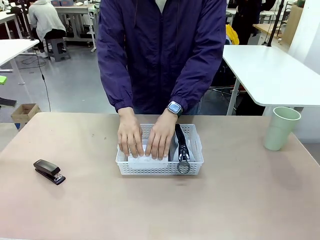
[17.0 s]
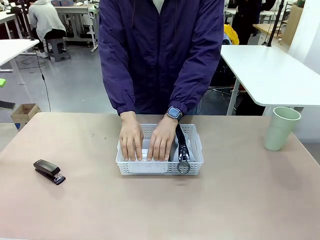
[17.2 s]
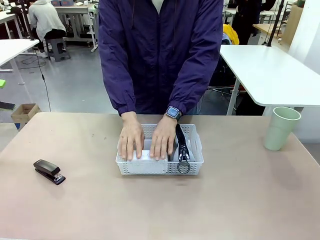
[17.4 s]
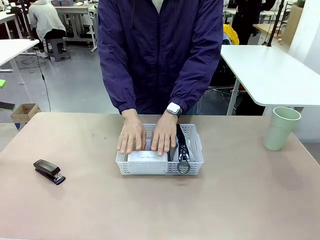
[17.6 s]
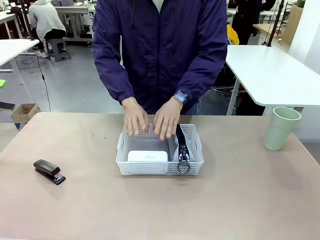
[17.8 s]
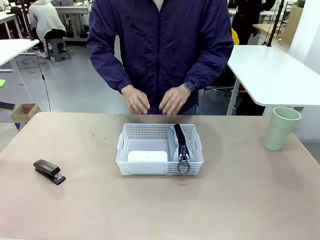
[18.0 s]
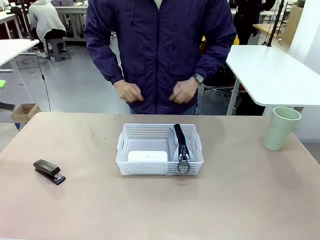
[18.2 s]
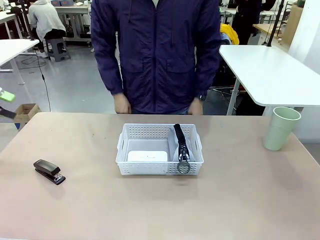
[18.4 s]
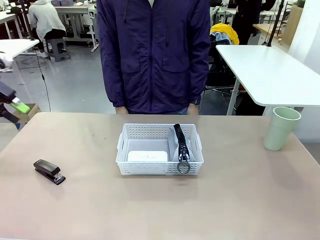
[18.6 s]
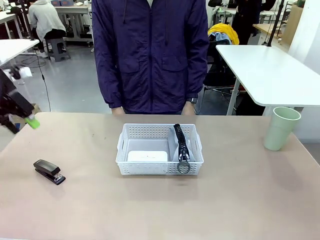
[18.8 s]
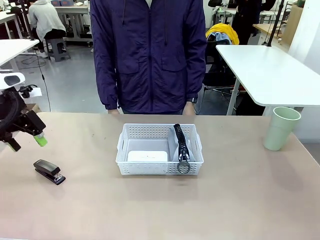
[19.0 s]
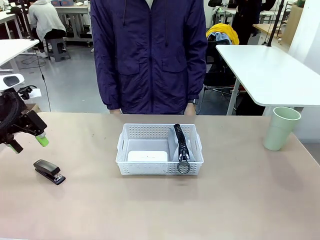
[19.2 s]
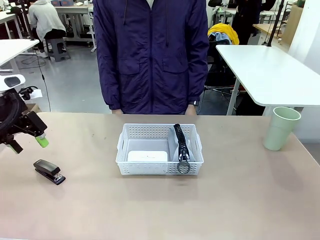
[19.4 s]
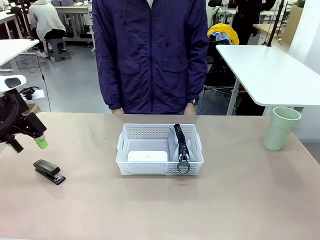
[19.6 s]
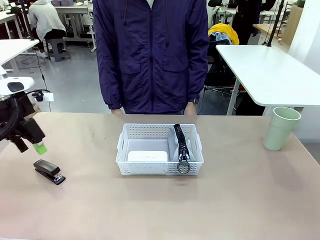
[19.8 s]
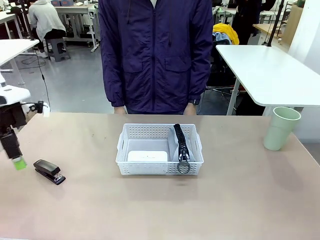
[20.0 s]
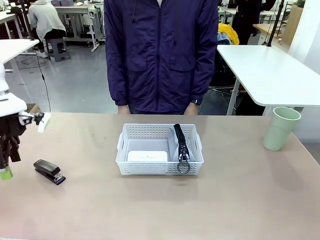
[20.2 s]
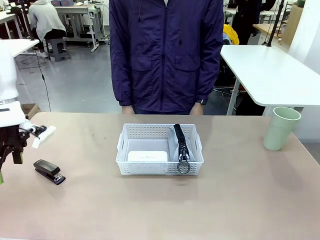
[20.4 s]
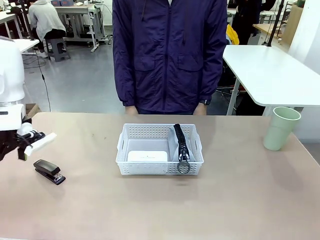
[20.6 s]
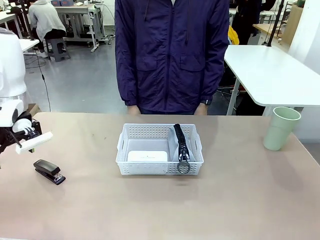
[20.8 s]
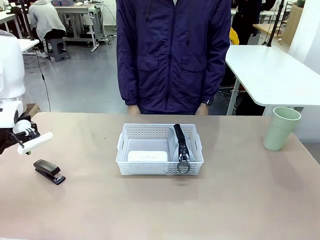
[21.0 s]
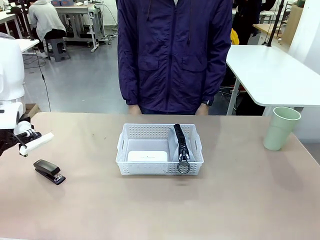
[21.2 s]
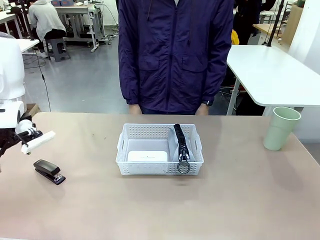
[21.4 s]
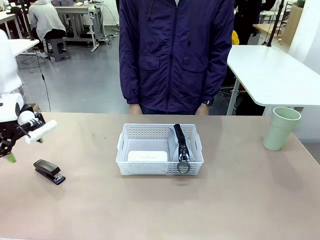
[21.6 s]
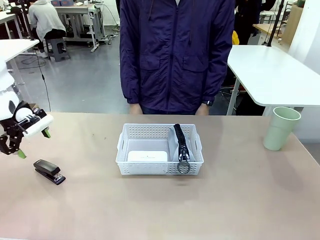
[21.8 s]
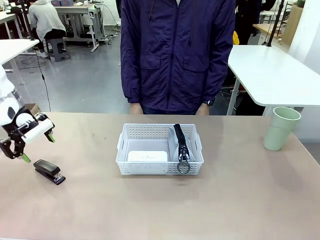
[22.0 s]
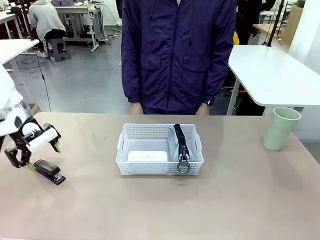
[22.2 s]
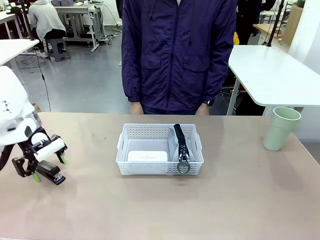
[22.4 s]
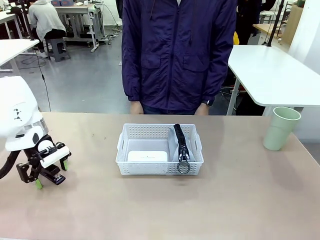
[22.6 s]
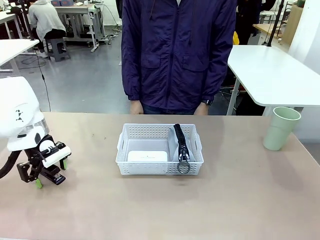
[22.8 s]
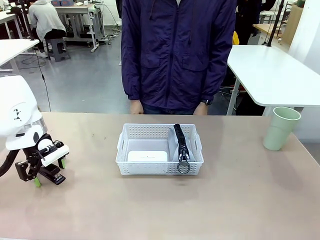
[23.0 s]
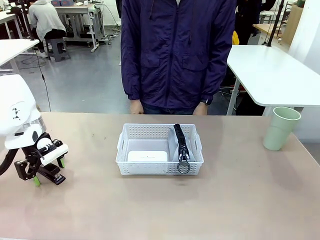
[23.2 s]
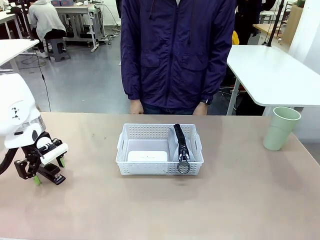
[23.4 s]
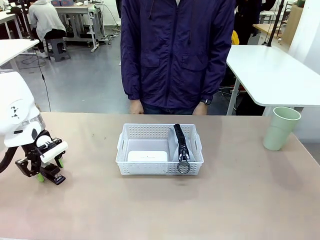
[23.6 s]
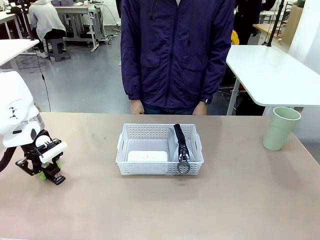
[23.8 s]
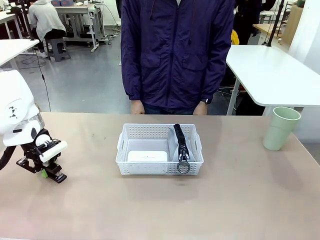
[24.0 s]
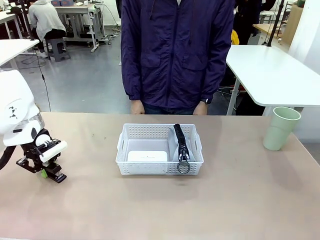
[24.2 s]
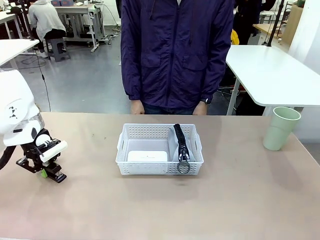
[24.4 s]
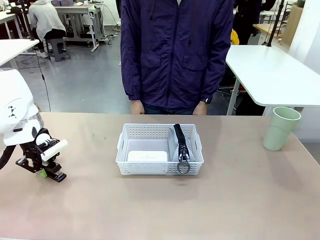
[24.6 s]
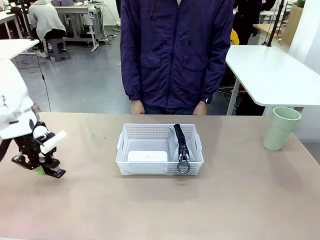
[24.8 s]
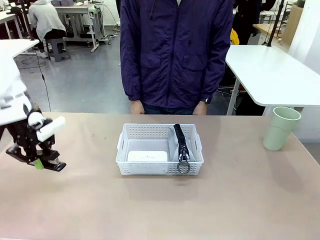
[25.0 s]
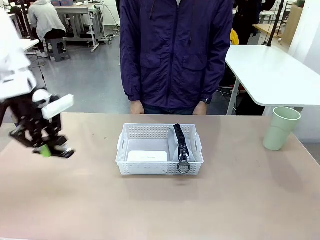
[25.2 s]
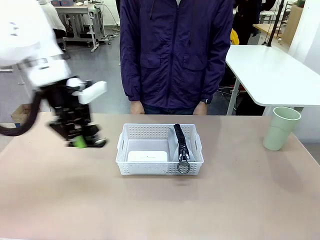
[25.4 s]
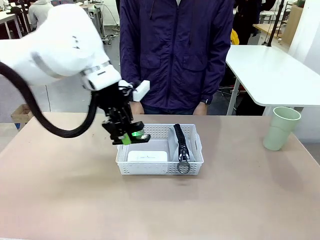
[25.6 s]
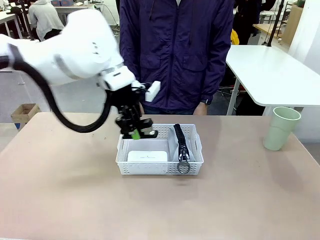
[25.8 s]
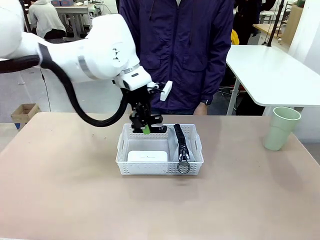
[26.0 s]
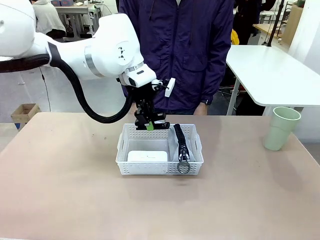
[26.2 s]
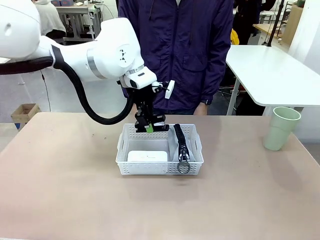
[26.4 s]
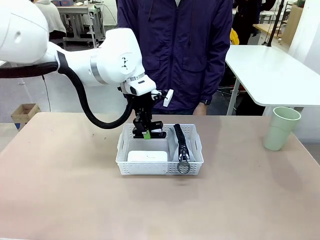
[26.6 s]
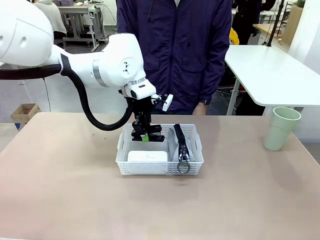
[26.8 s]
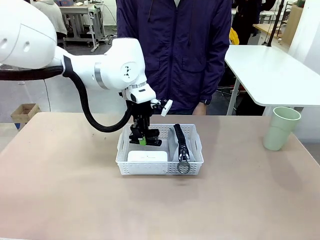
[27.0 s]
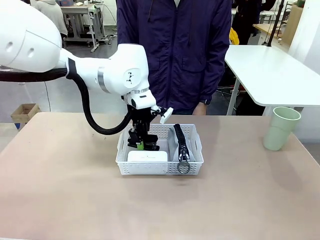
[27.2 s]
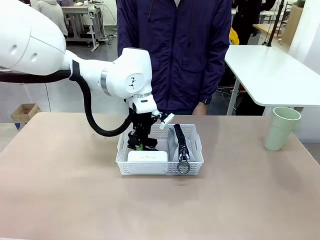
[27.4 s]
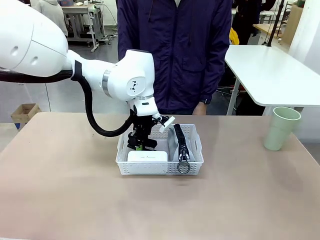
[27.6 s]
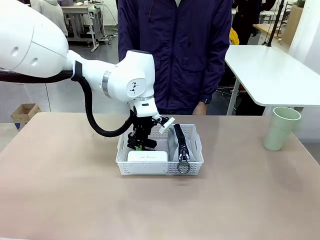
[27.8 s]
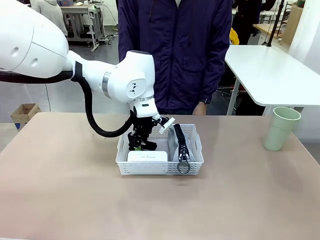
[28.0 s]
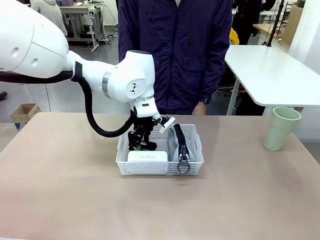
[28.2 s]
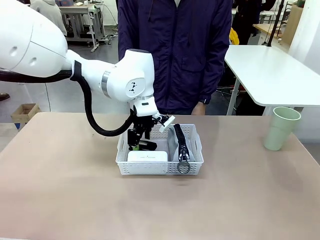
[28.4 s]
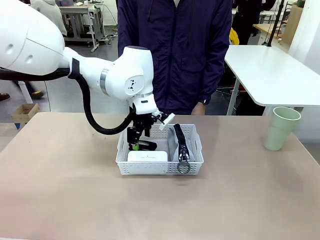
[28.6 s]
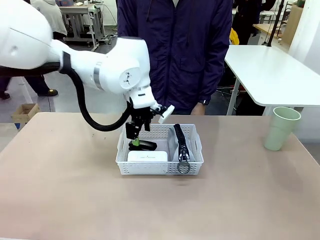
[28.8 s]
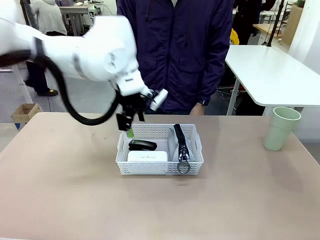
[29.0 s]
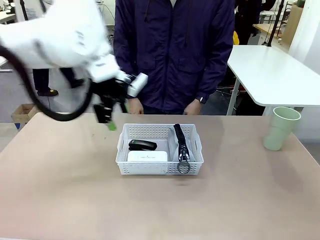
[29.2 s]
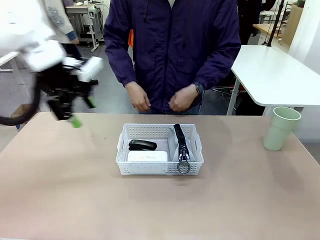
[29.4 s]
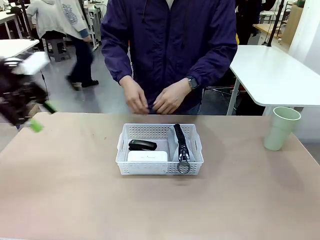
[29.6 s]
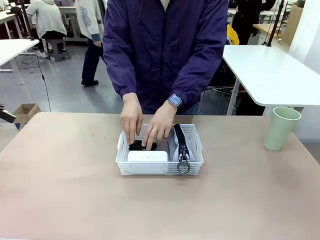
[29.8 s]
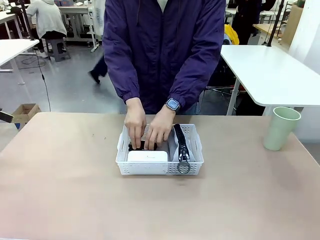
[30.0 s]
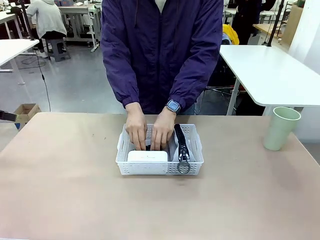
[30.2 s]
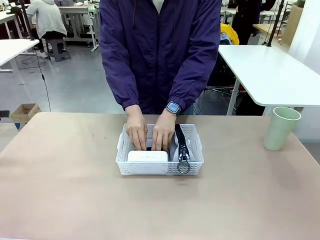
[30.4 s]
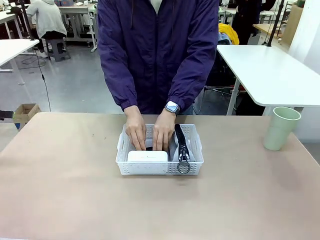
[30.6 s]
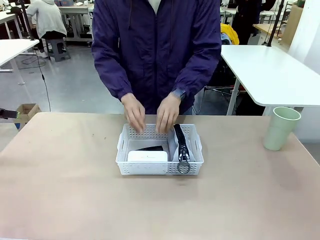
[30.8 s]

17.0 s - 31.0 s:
Task: Efficiently arrange items inside the basket to fit them all.
Robot: Pick up the Stapler and place it inside the Organizing basket.

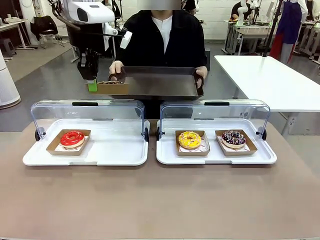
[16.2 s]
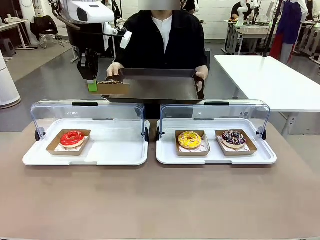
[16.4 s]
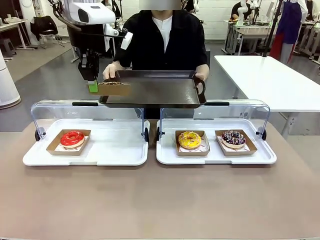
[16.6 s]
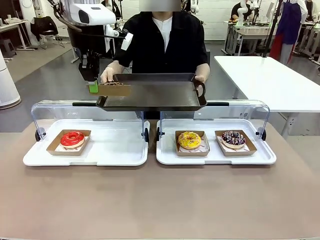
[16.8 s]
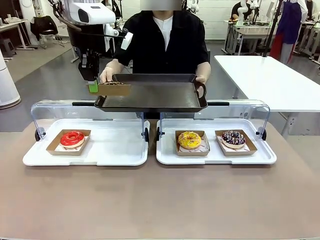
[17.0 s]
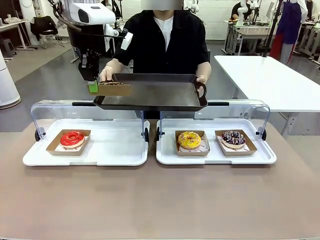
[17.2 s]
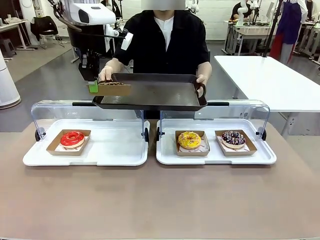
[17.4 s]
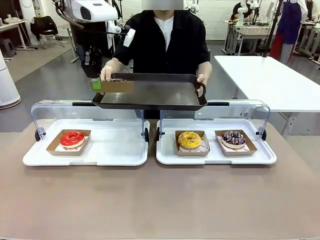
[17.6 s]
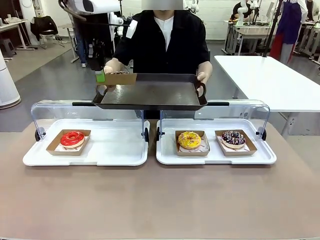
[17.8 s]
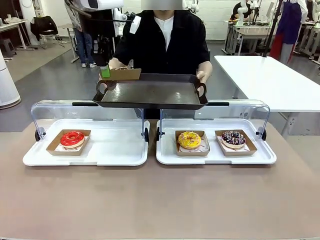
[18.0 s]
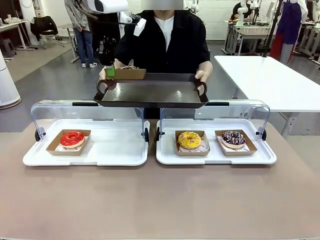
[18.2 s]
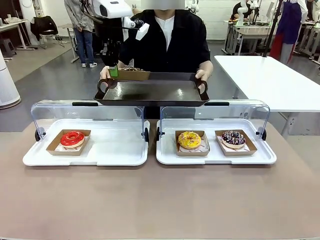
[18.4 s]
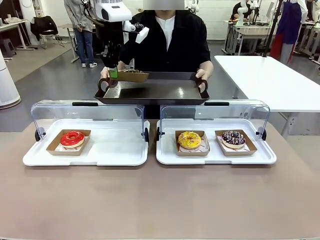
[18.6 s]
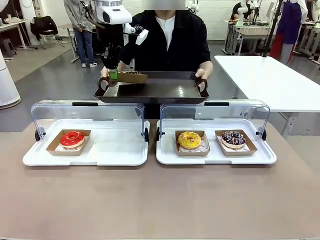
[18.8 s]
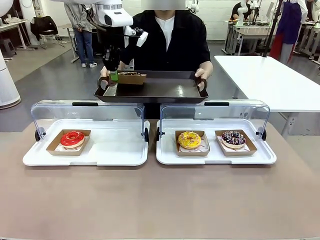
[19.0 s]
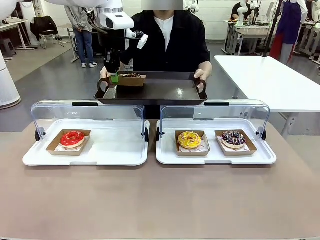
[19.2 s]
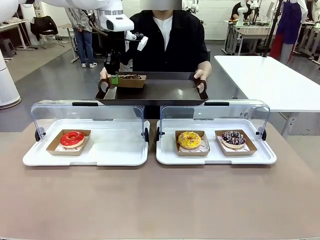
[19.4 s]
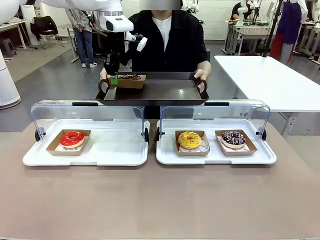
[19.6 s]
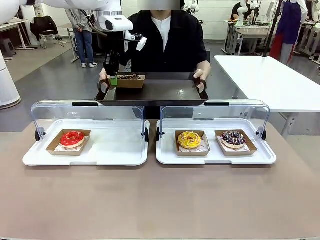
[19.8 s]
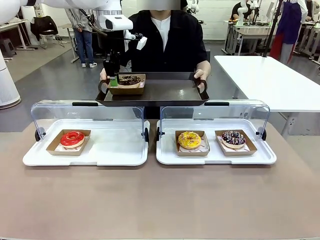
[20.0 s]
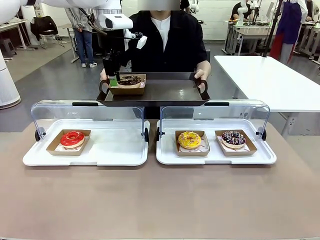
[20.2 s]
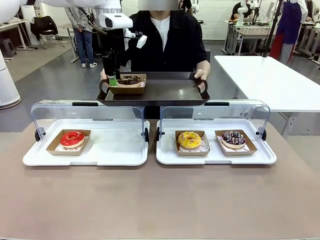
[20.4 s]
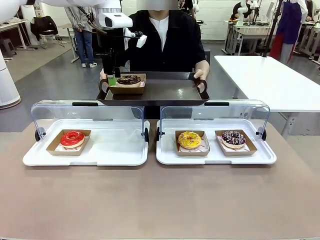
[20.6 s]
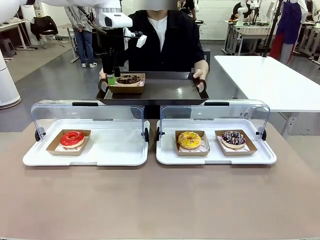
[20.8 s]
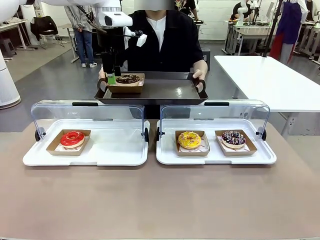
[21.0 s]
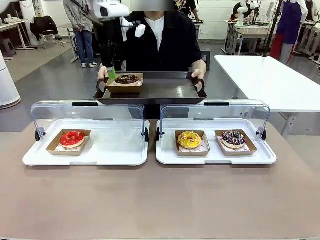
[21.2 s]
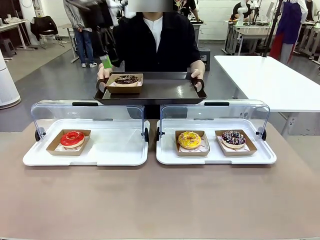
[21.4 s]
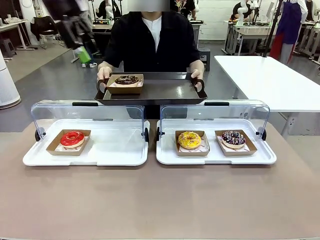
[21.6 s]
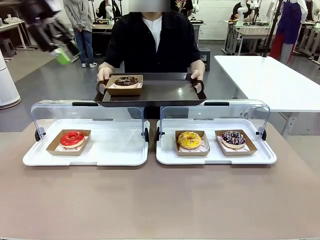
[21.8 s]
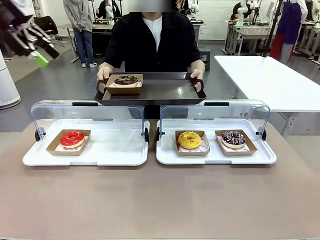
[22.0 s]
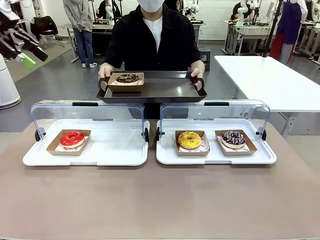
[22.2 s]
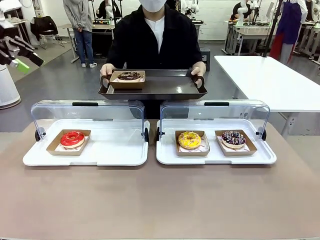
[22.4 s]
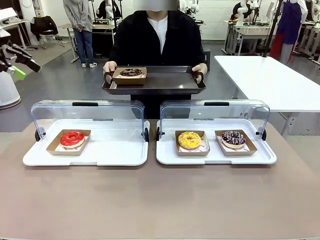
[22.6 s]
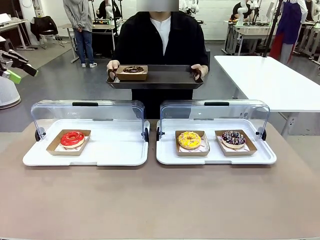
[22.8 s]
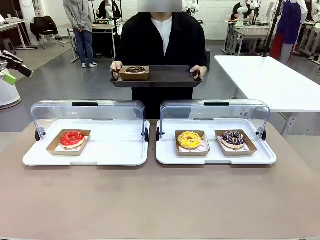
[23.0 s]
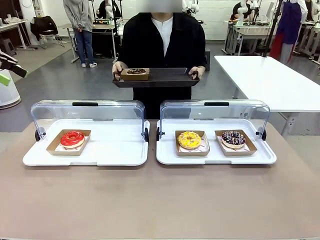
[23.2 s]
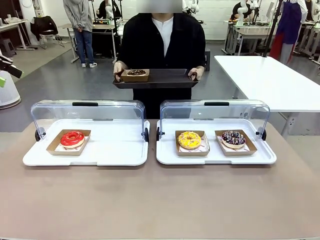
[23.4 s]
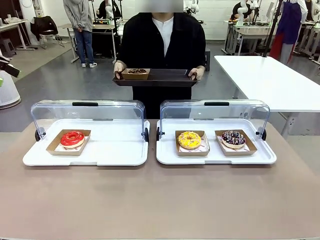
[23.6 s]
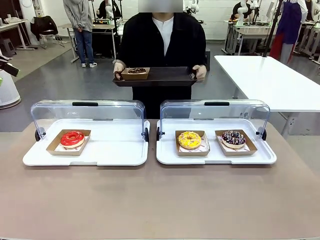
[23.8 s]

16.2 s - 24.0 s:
Task: Provide the desired donut to the person.
Robot: Place the picked Paper togo box onto the Handle tray extended by the person.
Person: Point to one donut.
